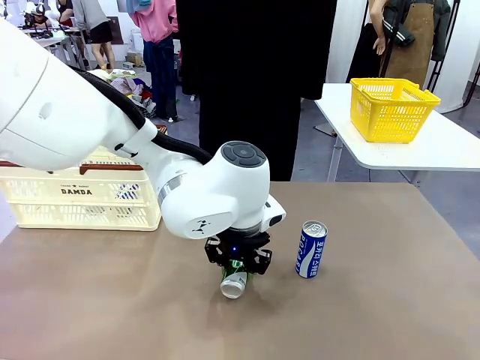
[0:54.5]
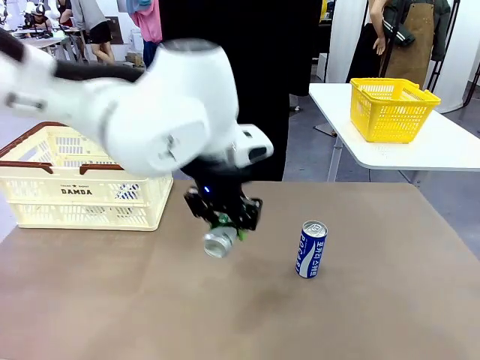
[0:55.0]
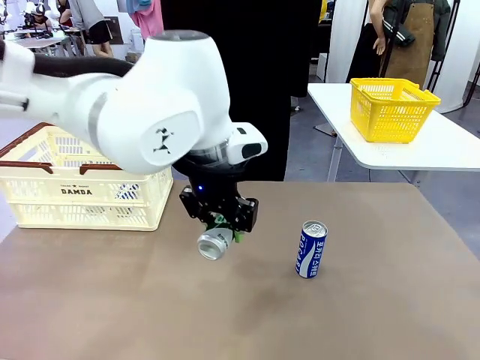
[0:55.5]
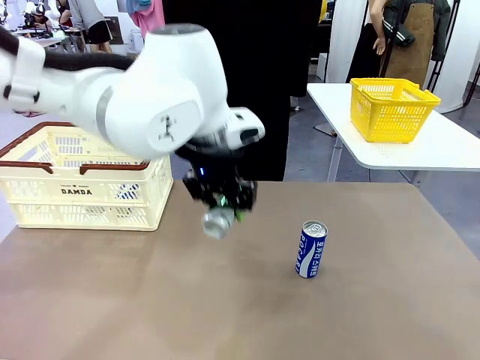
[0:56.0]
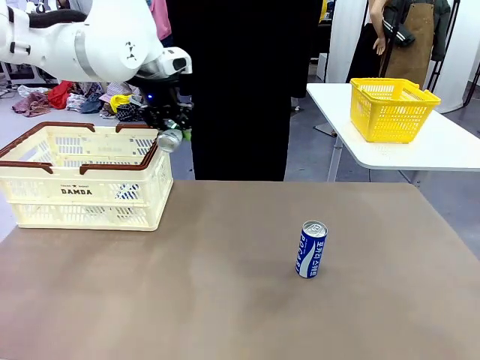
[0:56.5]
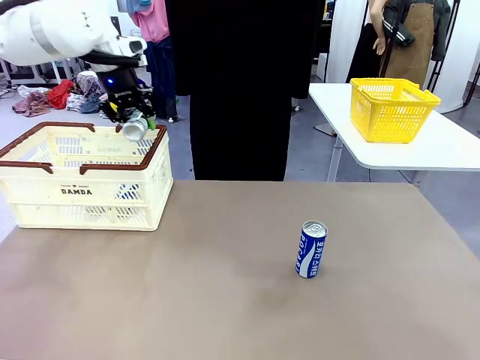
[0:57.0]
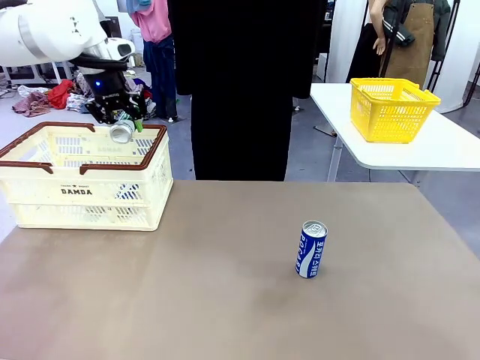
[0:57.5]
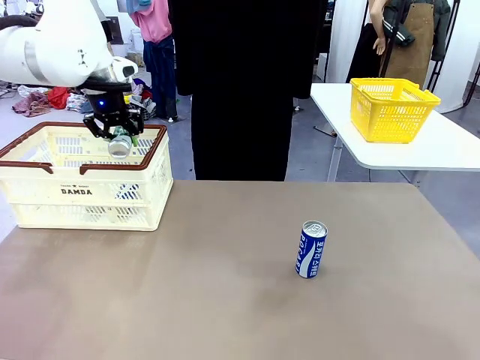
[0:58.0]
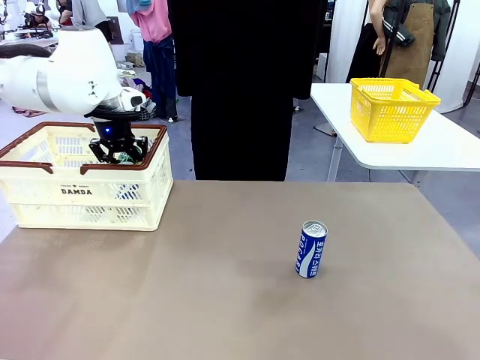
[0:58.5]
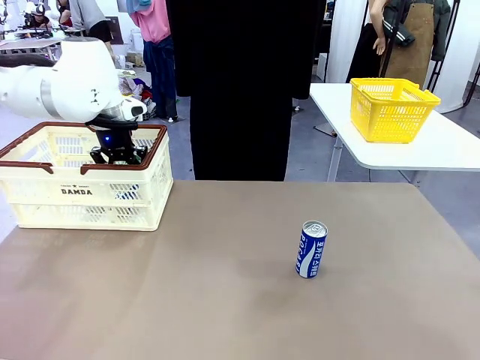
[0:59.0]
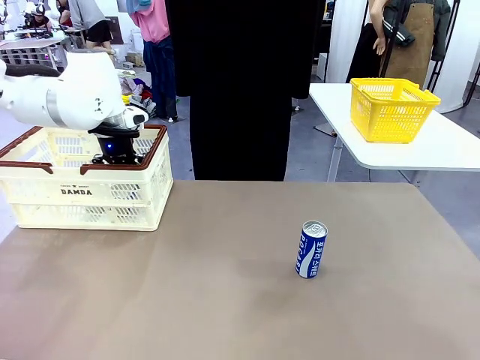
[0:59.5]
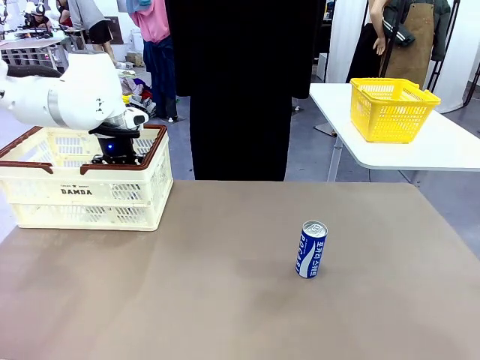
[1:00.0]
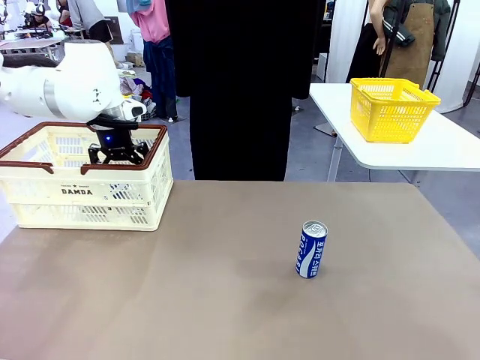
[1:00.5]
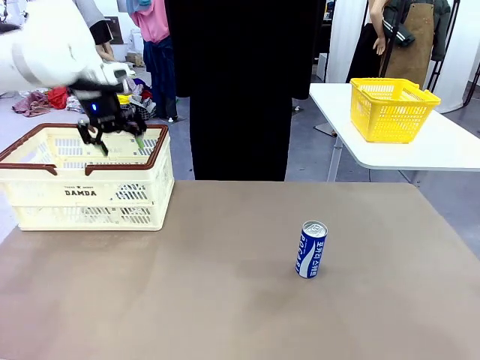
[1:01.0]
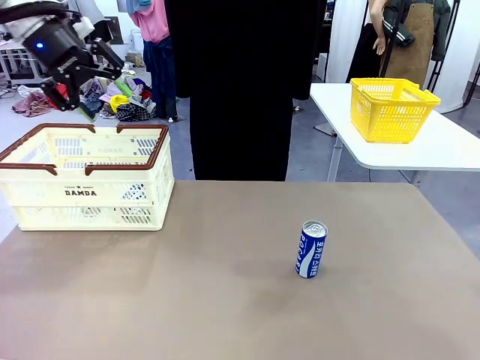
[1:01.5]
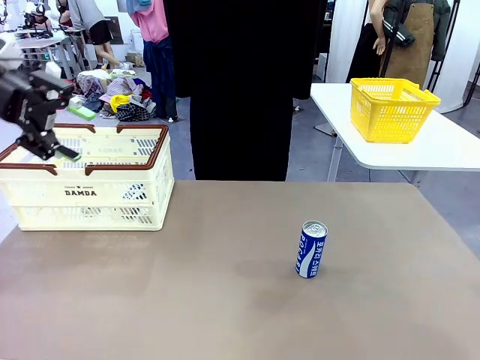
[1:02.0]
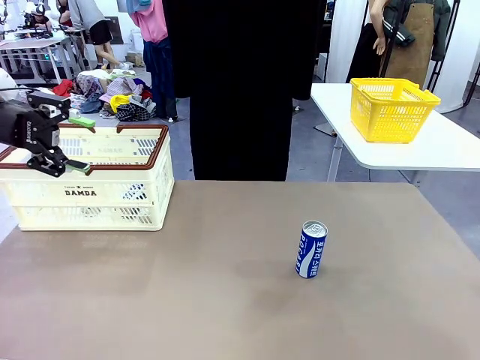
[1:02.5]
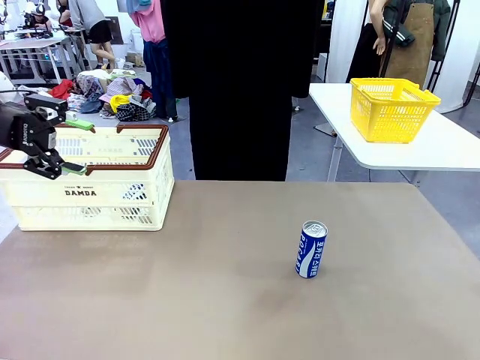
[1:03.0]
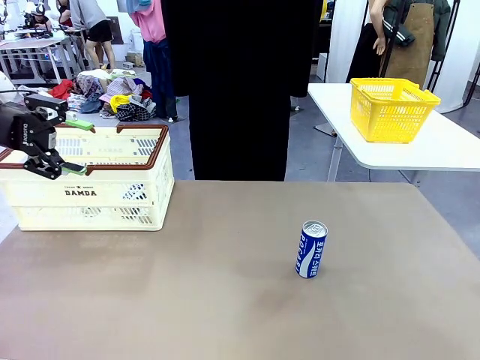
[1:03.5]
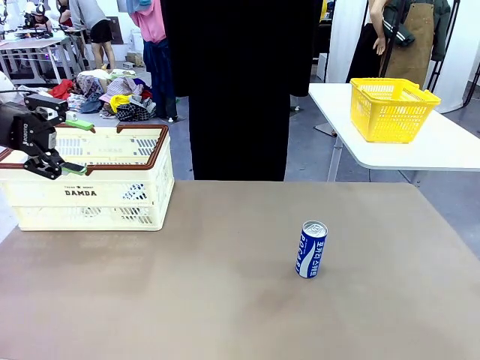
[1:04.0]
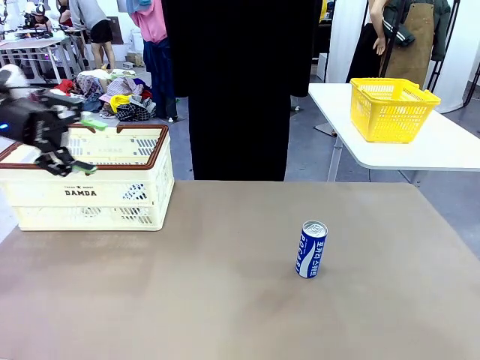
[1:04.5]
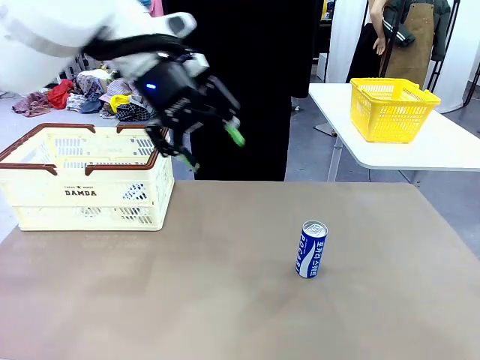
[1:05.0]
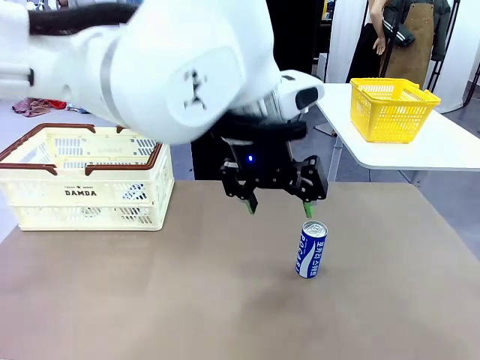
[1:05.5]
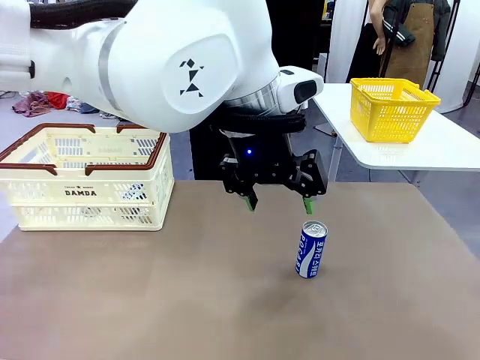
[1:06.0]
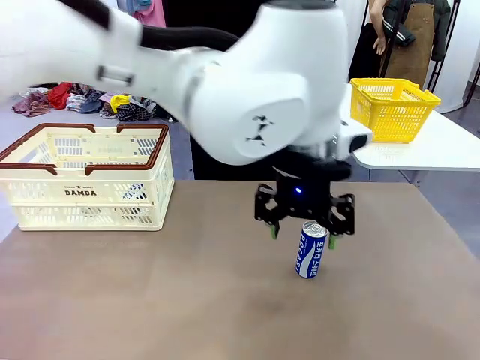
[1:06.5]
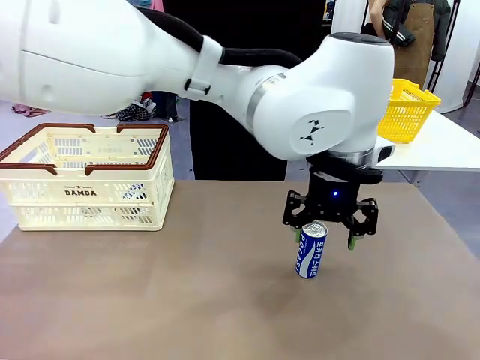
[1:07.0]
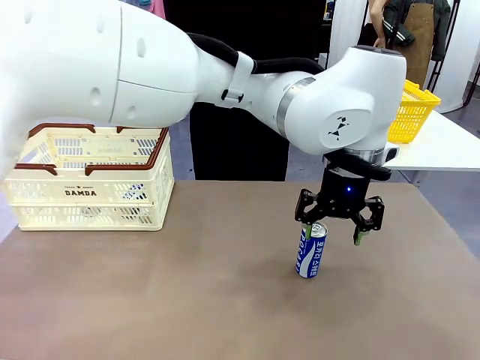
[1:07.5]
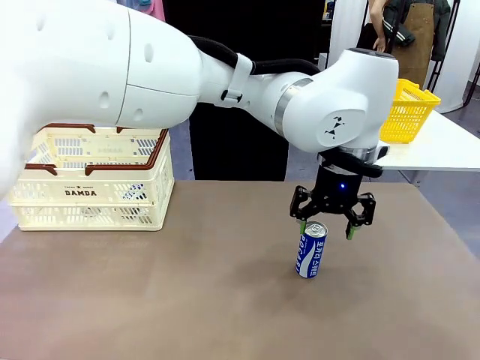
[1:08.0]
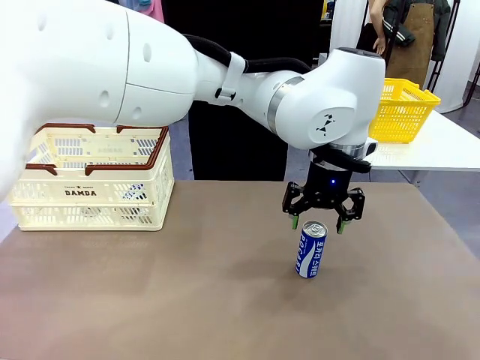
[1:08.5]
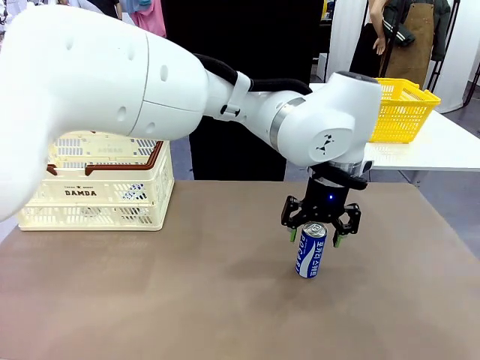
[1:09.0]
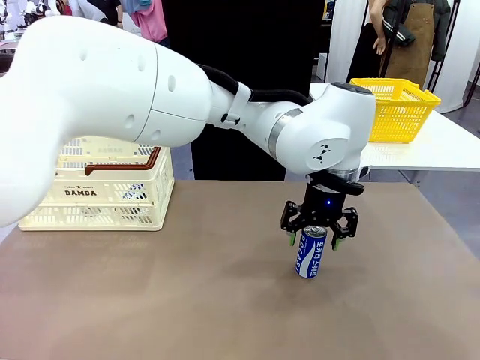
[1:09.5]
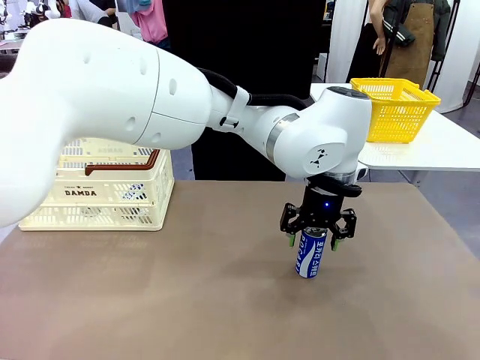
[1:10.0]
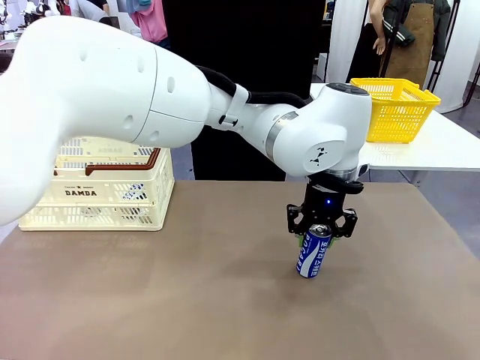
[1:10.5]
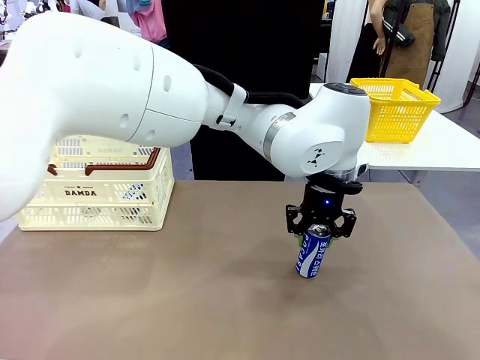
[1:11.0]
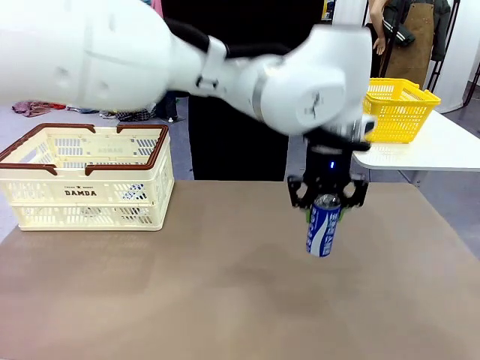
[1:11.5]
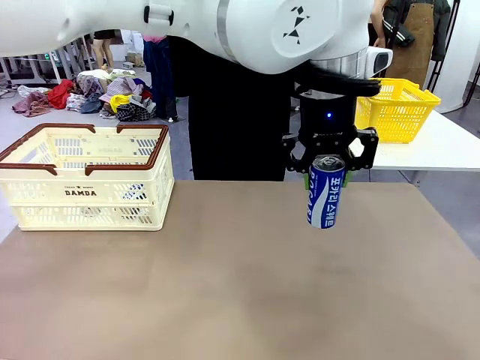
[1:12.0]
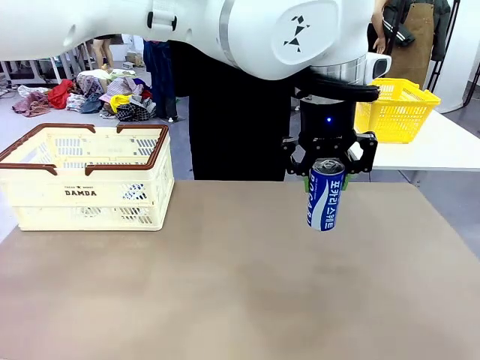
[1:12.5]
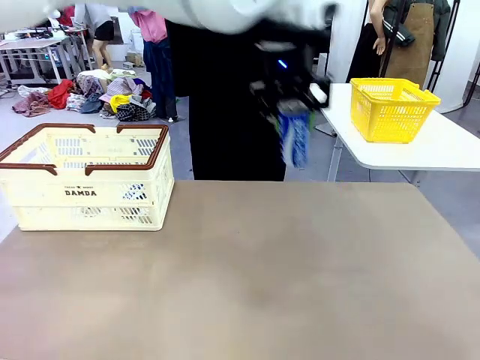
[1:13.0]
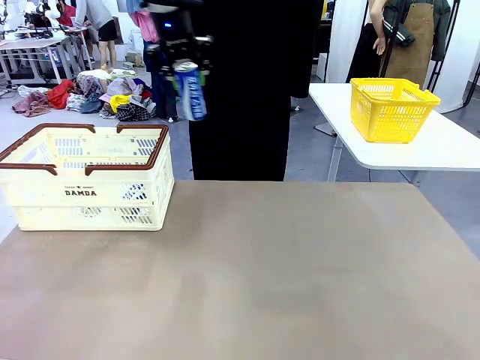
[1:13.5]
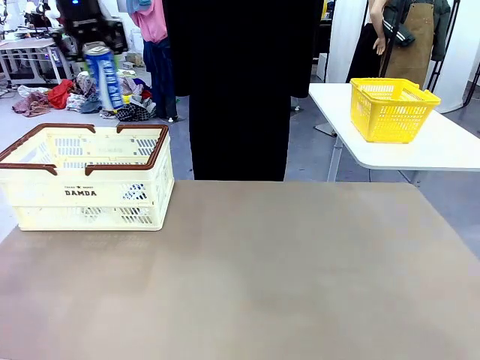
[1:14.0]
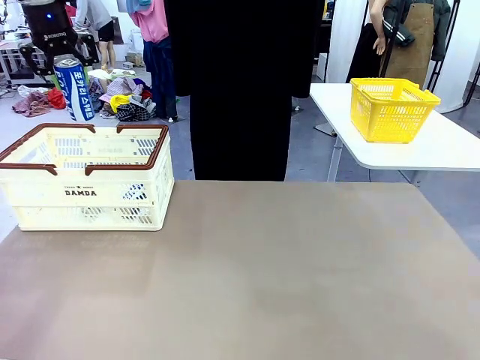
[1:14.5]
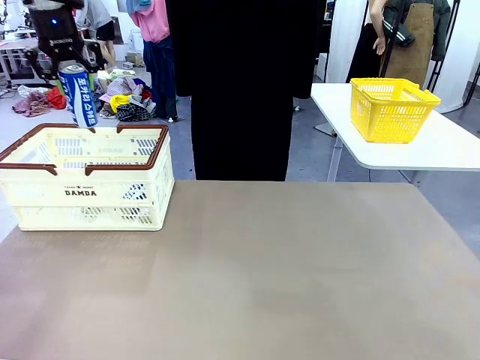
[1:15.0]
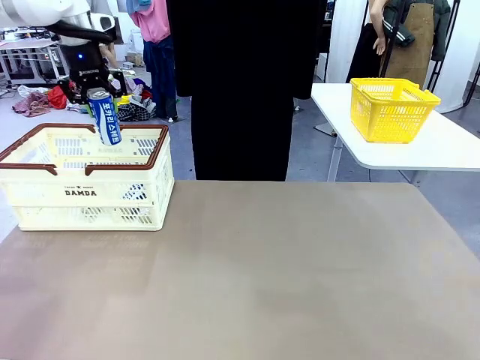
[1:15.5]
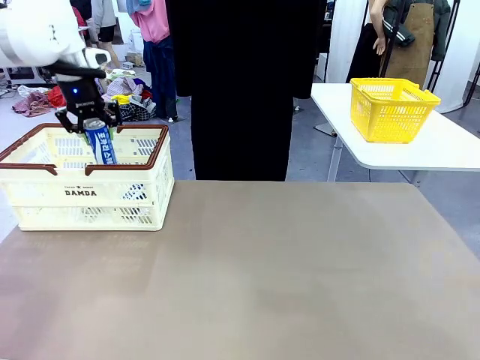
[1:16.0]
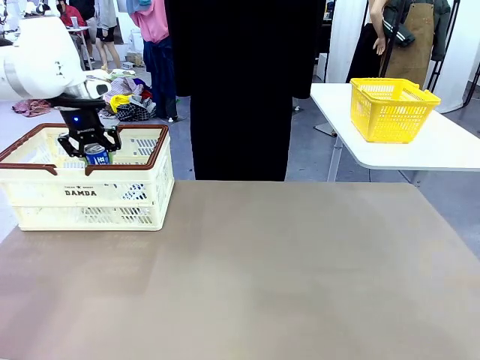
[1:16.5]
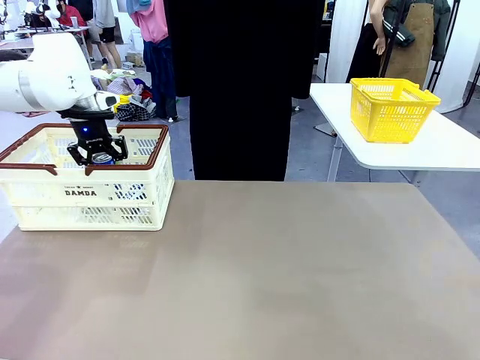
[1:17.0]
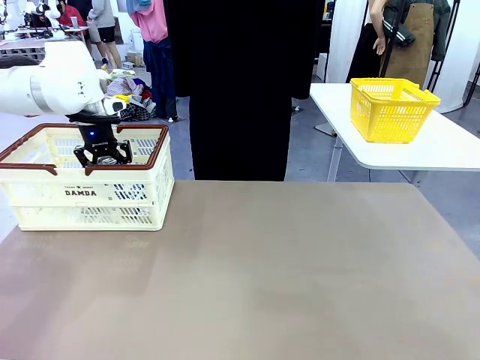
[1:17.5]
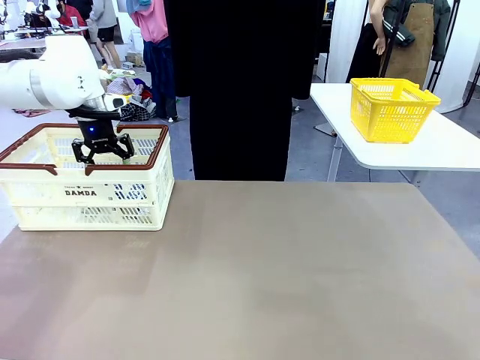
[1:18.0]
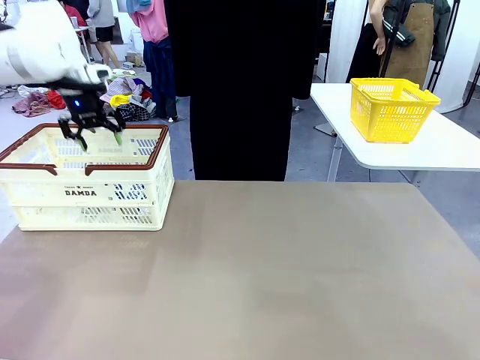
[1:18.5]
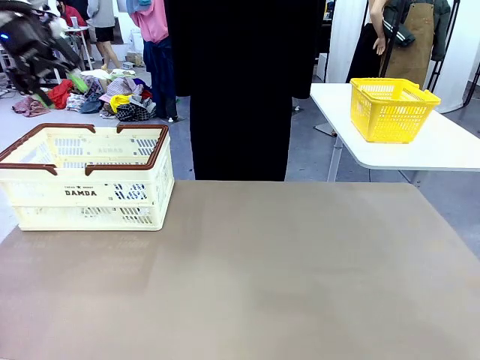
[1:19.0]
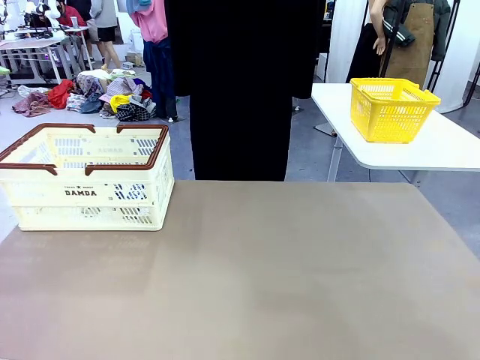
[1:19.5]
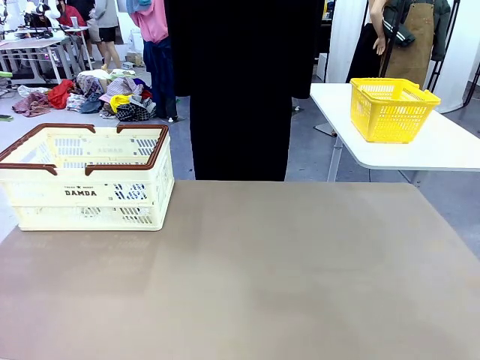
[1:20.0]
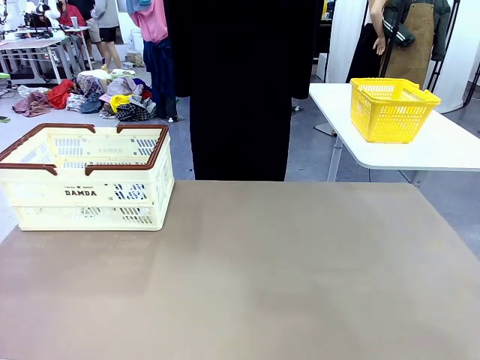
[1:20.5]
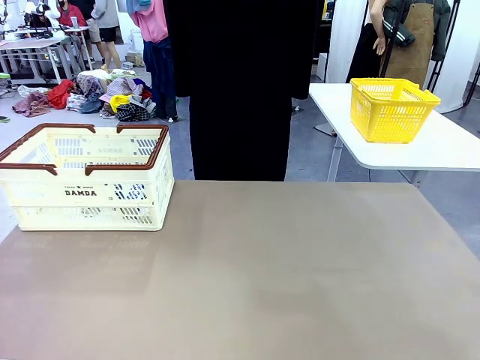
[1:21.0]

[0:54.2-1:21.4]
Task: Place the drinks into the Shopping basket.
Robot: Pick up one drink and place it into the Shopping basket.
